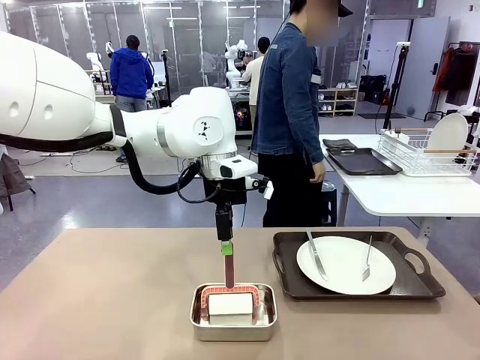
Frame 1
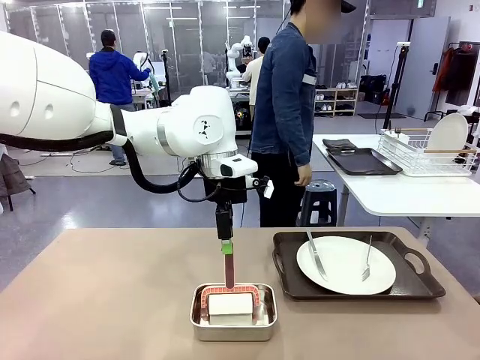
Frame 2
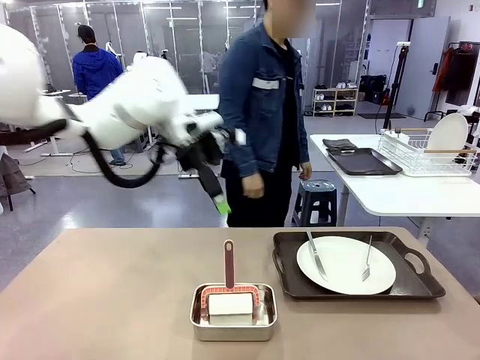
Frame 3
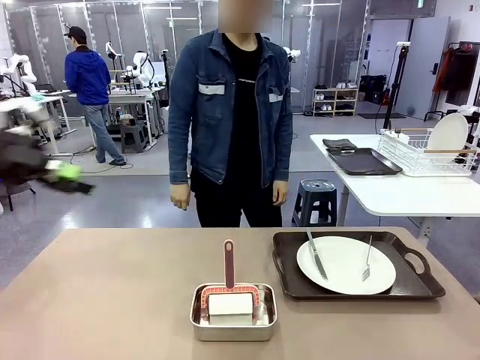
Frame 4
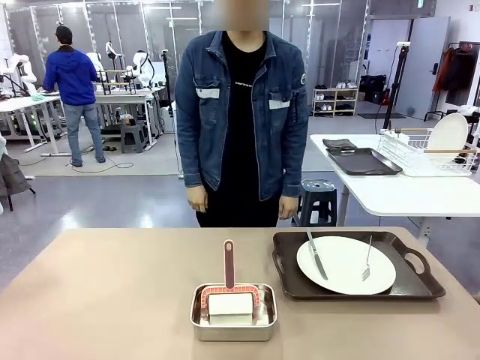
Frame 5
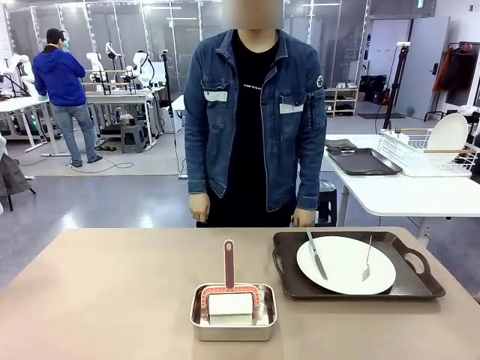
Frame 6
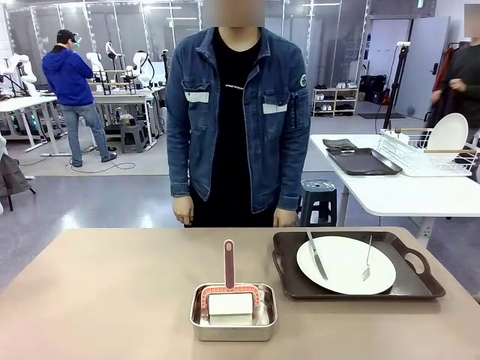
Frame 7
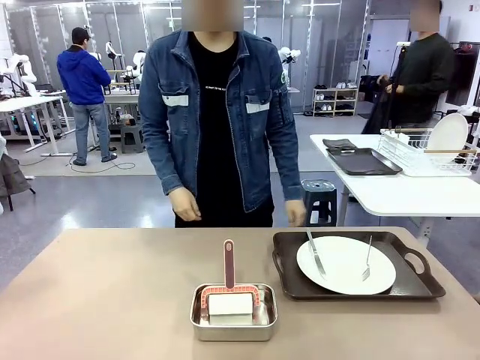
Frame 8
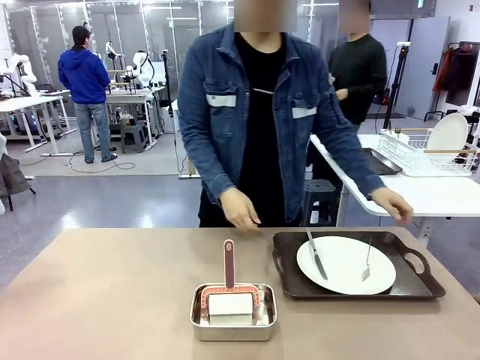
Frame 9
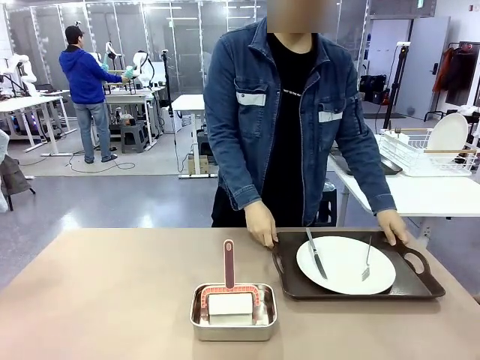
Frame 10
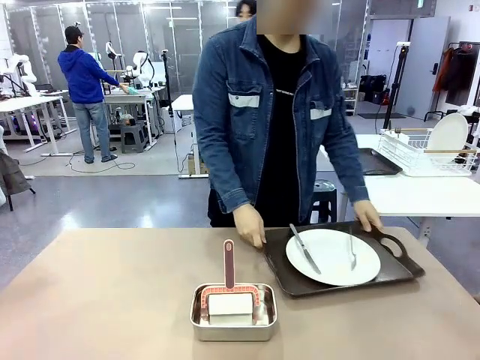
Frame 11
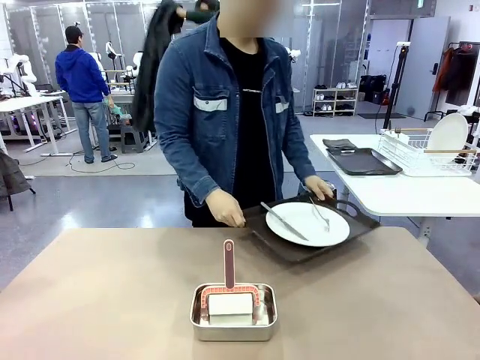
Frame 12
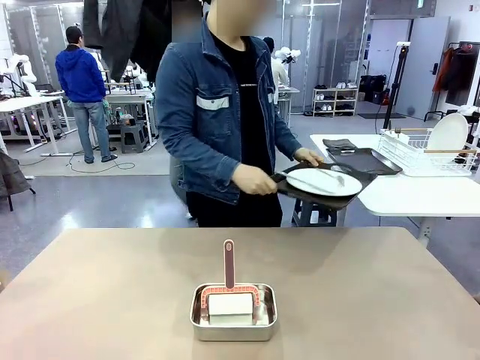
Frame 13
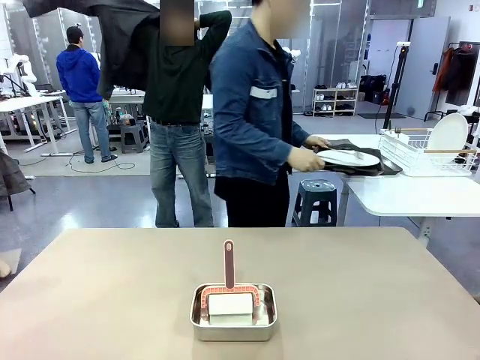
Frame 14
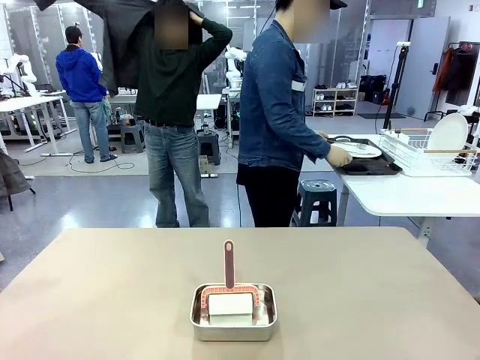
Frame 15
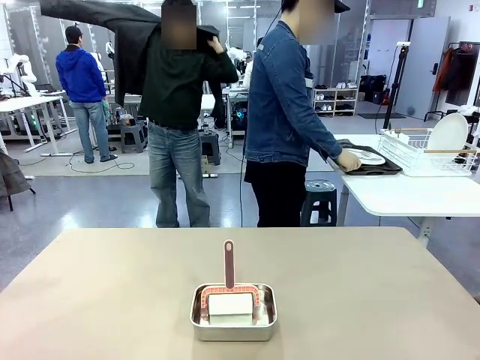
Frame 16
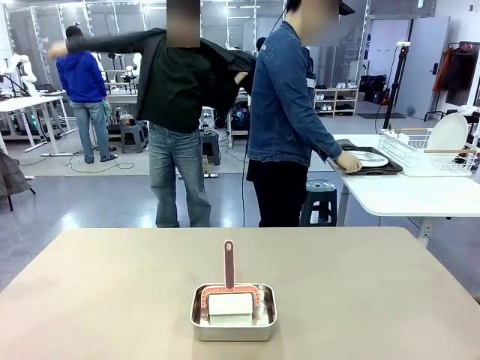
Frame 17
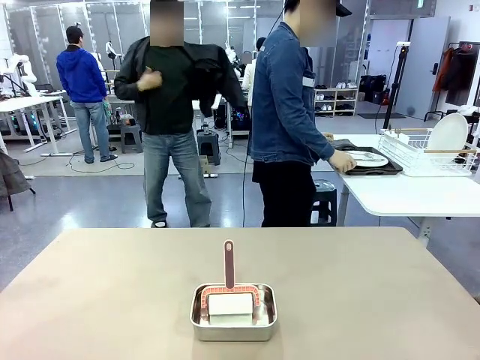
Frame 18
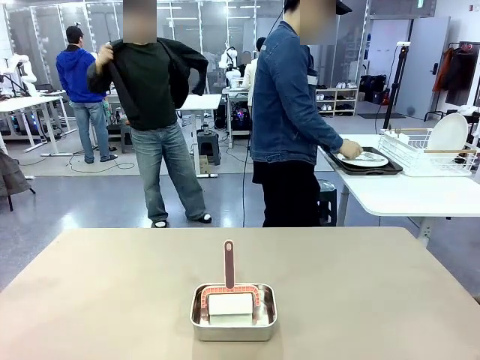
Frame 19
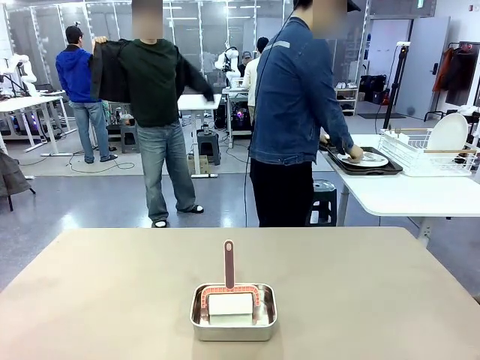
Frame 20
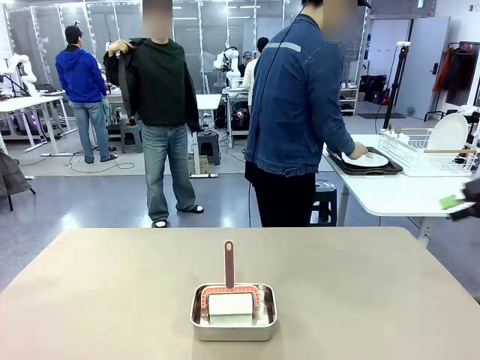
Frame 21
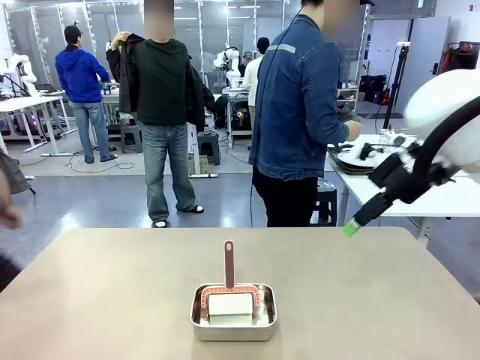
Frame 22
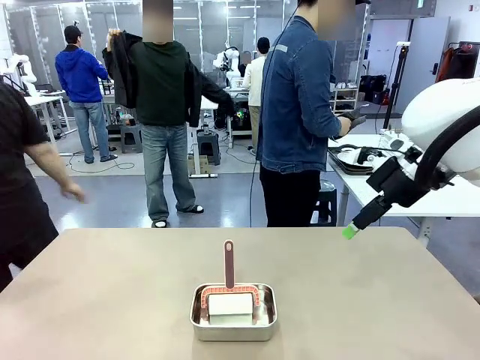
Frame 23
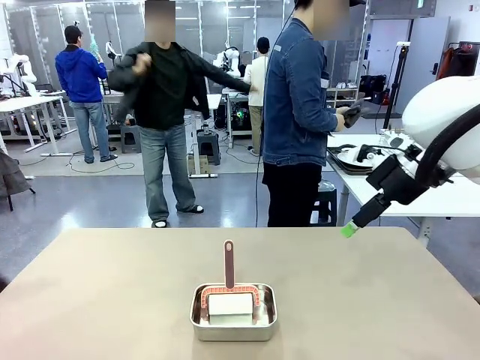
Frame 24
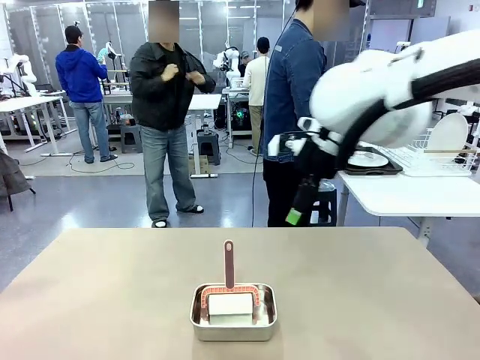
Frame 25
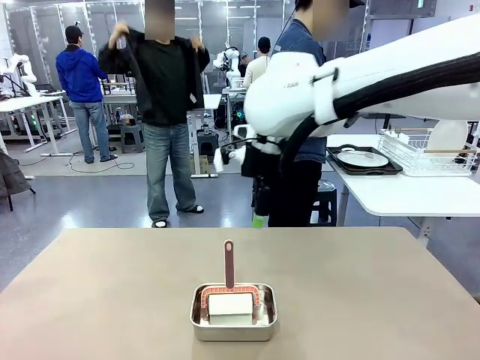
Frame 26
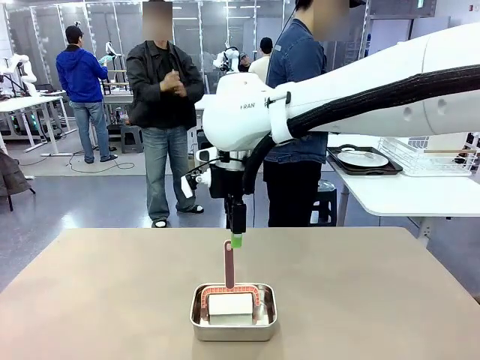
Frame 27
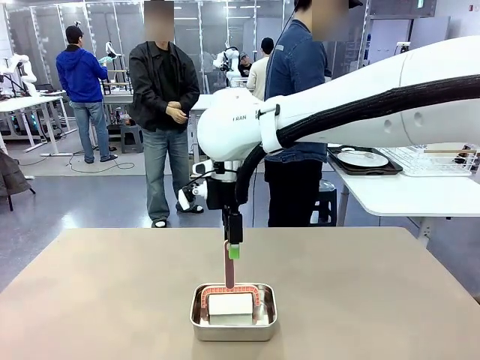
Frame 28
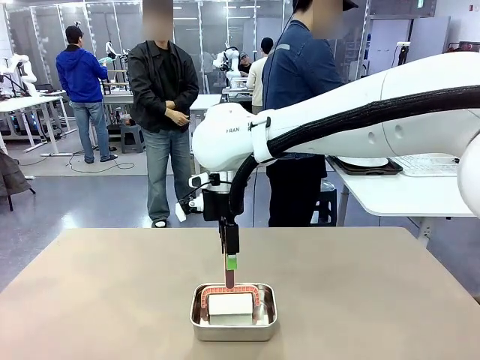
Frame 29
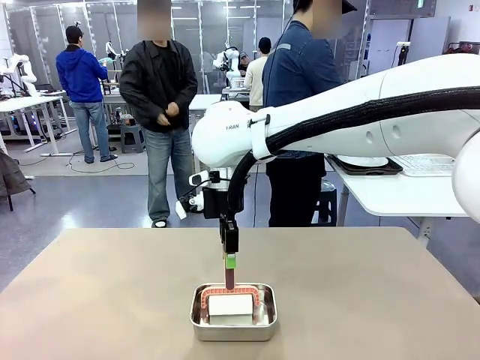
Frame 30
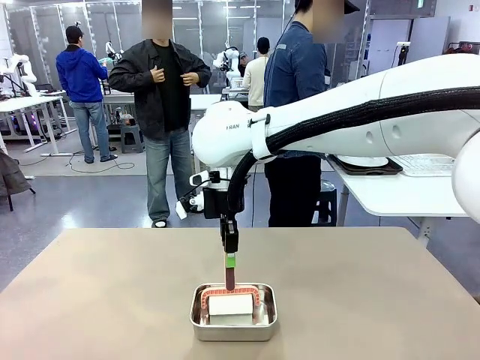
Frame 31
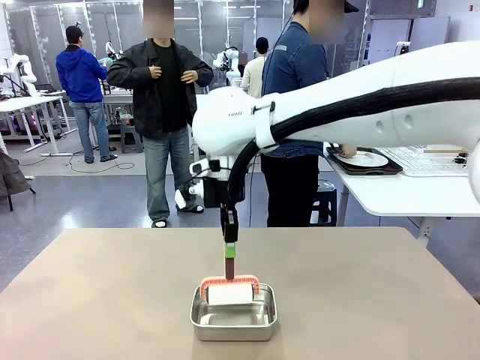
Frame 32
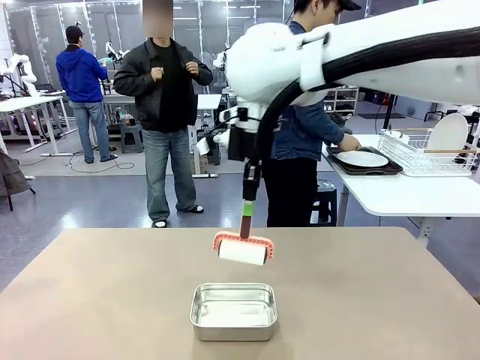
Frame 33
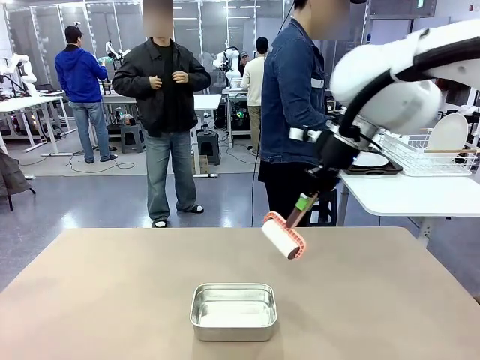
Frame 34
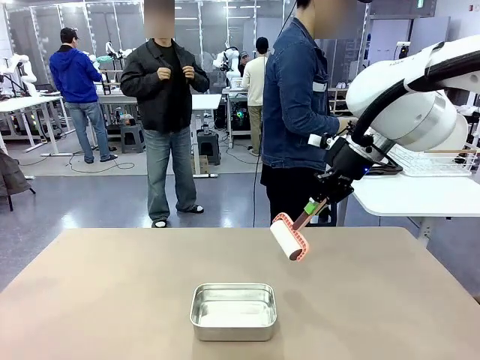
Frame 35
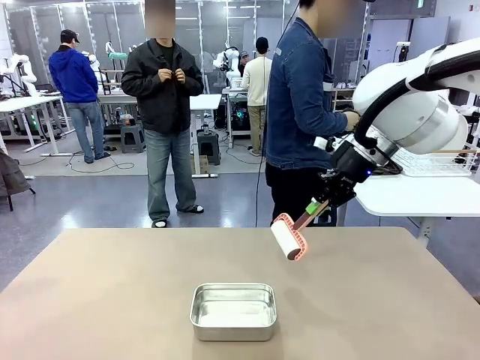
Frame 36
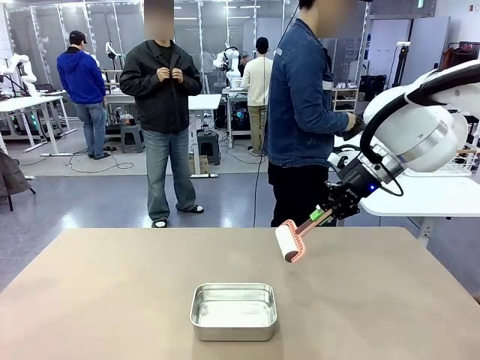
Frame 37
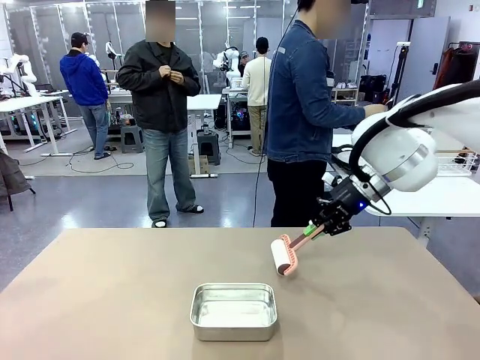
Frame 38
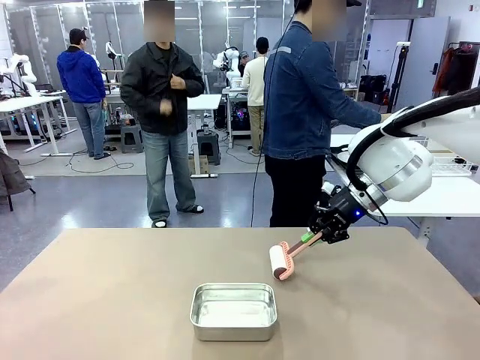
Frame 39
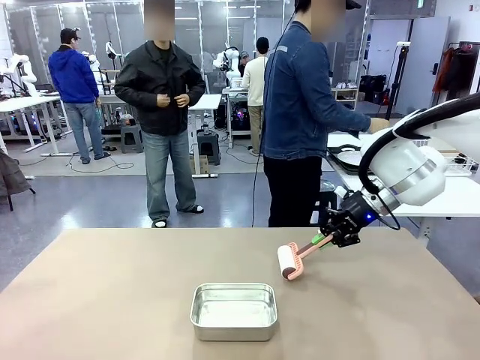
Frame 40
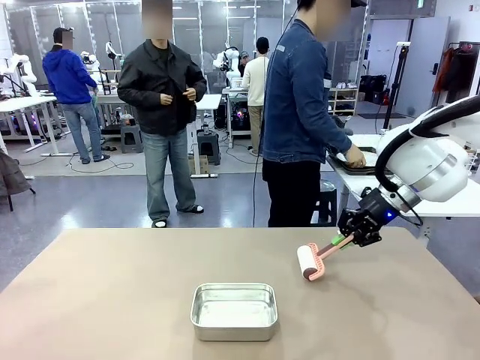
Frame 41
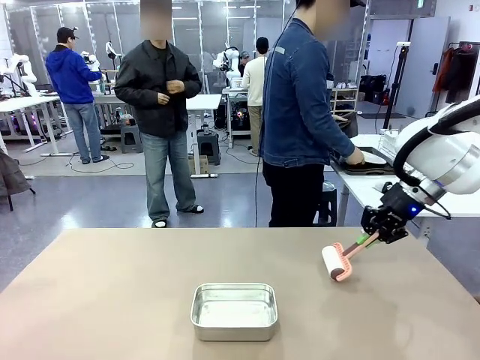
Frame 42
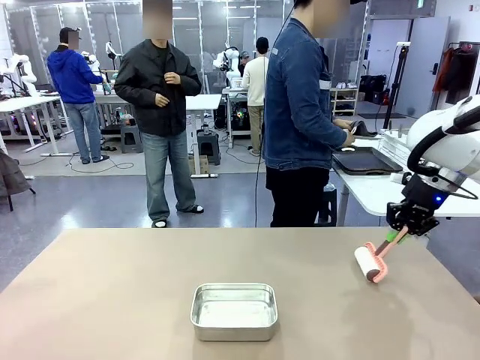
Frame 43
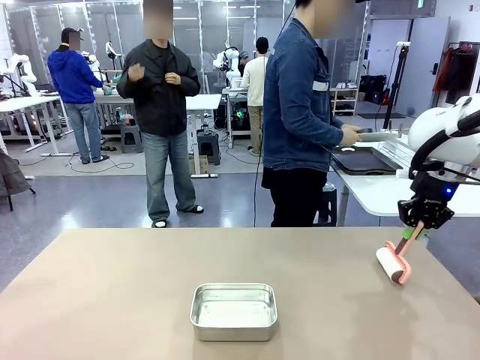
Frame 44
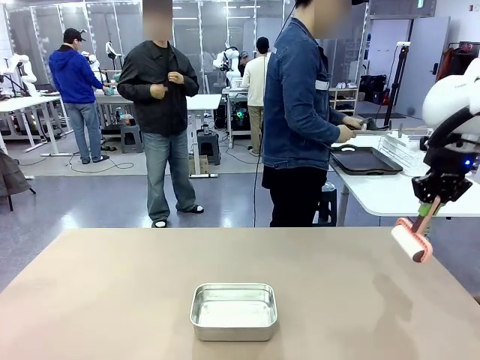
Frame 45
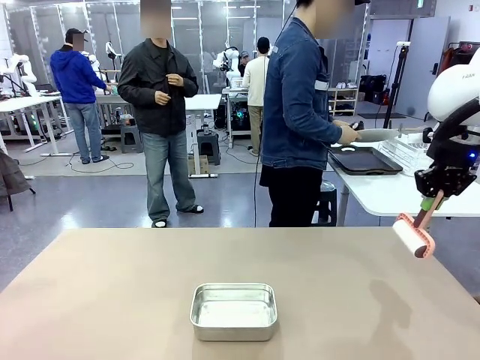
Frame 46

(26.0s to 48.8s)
Robot: When the right (or left) Handle tray is removed, use the right hand (or left hand) to clean the right (or left) side of the table with the Lint Roller.
Person: Pick up the left (or right) Handle tray and place it on the Handle tray. Use the Towel with hook to wipe the Plastic Matte Plate , Fork , and Knife and place into the Dish drying rack.
